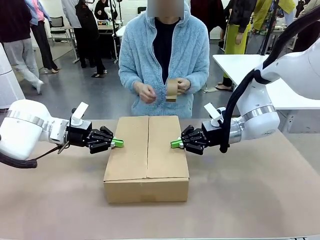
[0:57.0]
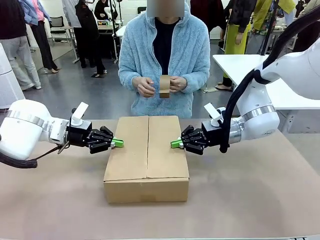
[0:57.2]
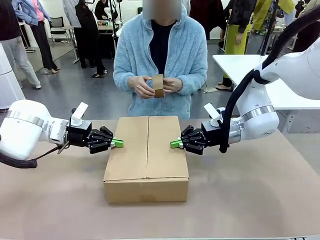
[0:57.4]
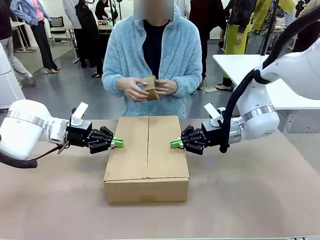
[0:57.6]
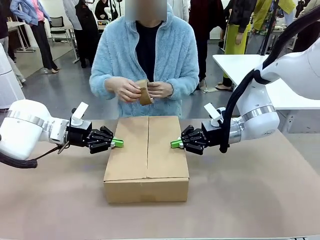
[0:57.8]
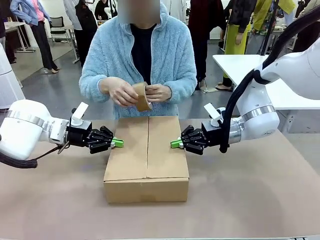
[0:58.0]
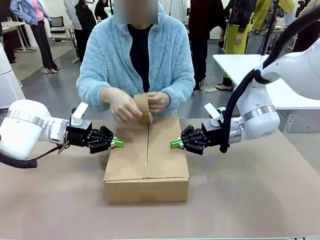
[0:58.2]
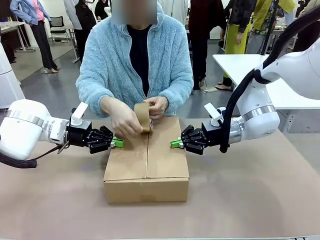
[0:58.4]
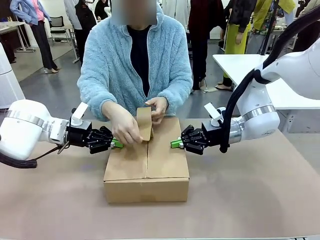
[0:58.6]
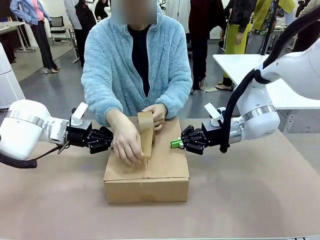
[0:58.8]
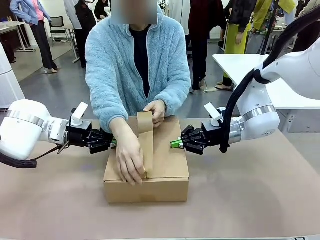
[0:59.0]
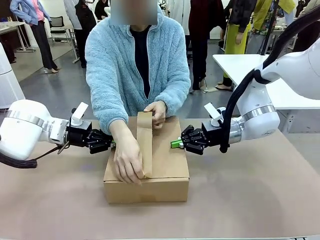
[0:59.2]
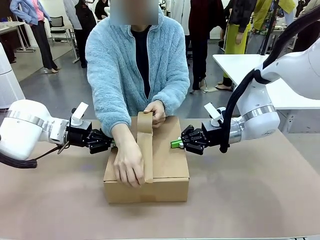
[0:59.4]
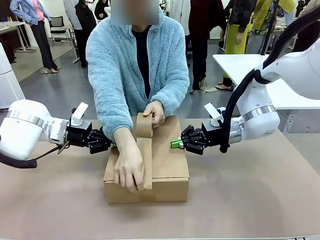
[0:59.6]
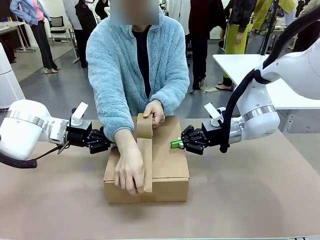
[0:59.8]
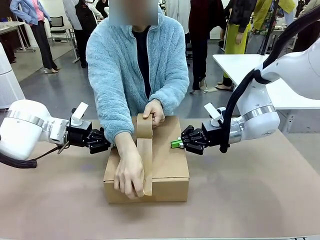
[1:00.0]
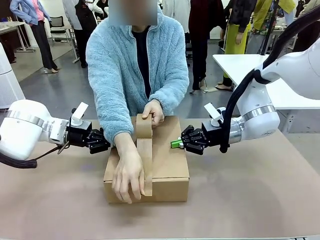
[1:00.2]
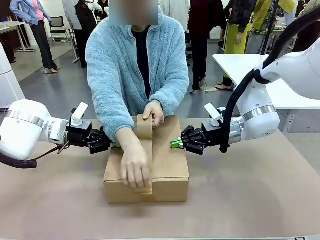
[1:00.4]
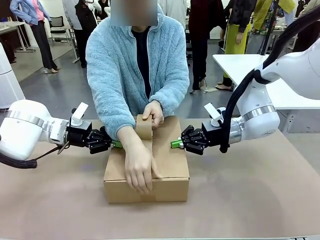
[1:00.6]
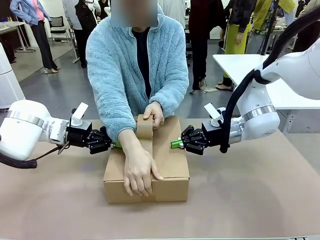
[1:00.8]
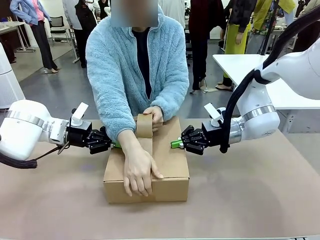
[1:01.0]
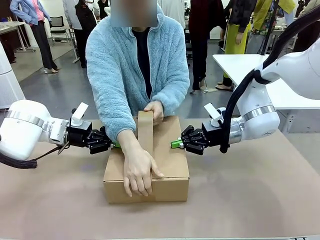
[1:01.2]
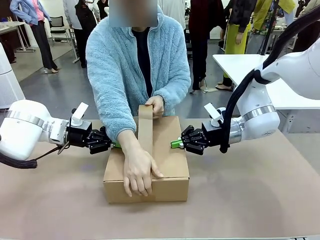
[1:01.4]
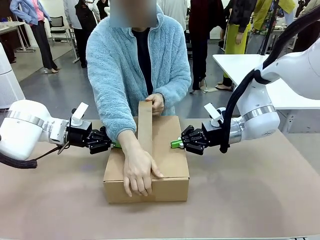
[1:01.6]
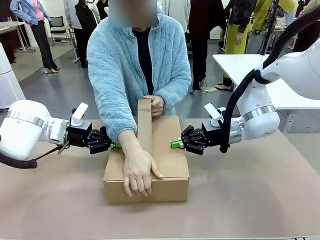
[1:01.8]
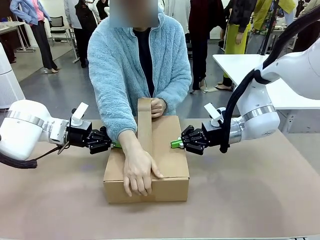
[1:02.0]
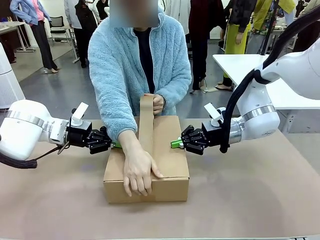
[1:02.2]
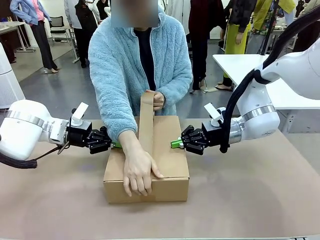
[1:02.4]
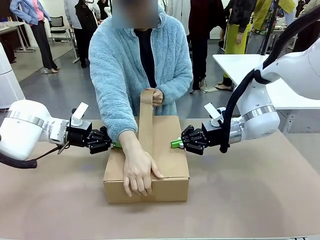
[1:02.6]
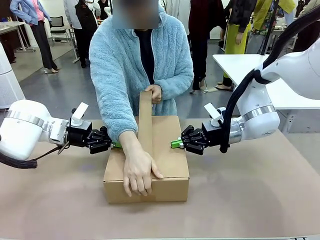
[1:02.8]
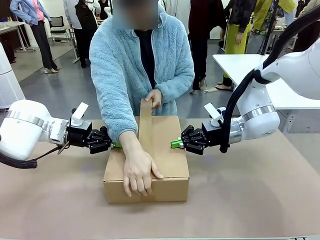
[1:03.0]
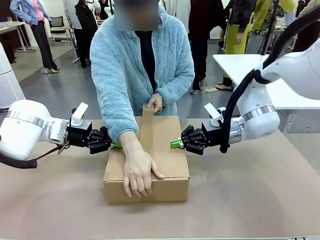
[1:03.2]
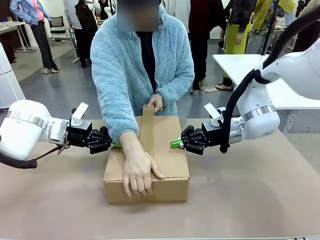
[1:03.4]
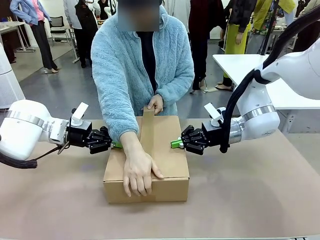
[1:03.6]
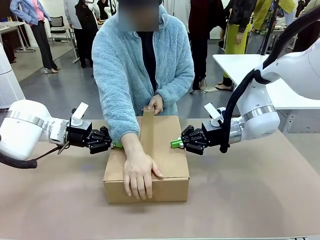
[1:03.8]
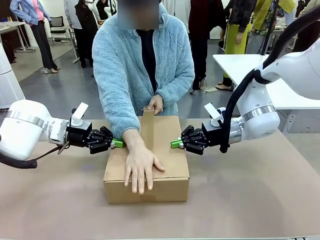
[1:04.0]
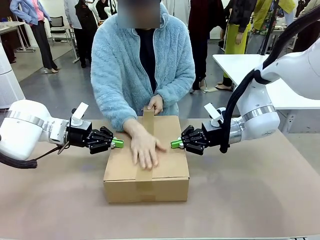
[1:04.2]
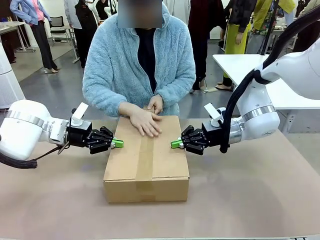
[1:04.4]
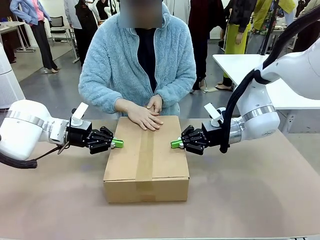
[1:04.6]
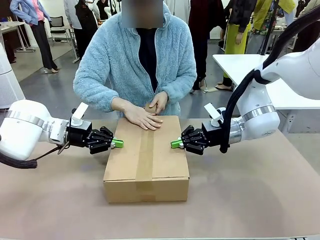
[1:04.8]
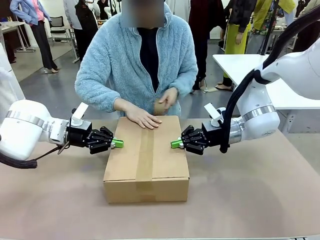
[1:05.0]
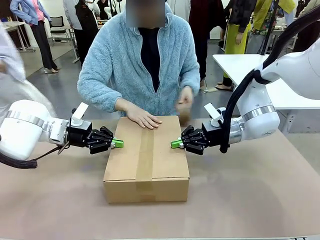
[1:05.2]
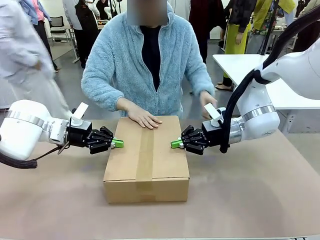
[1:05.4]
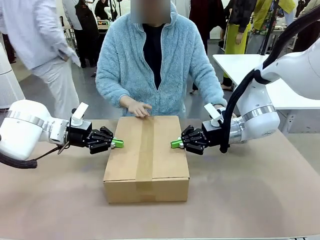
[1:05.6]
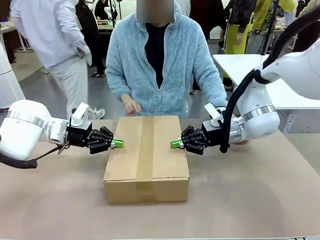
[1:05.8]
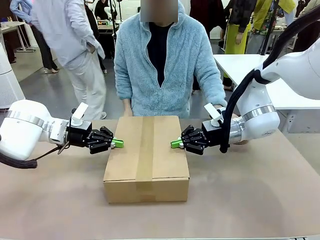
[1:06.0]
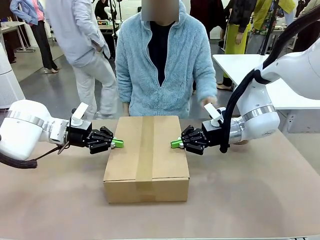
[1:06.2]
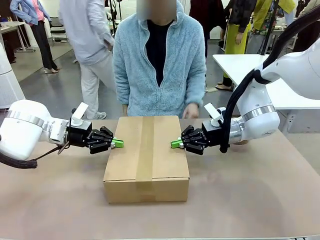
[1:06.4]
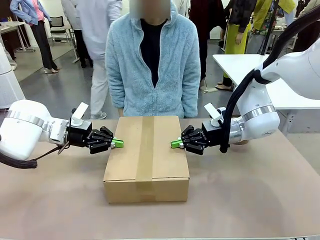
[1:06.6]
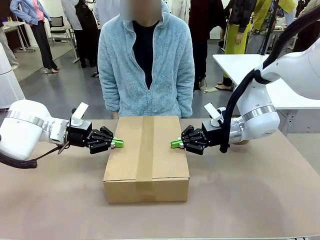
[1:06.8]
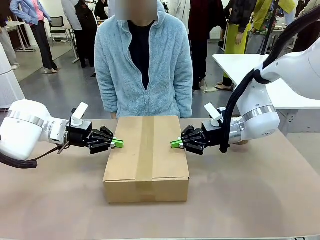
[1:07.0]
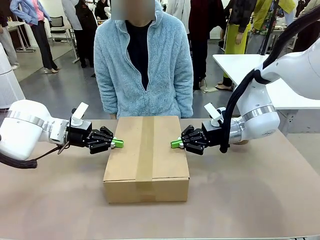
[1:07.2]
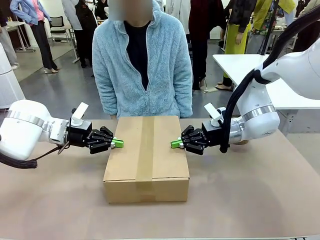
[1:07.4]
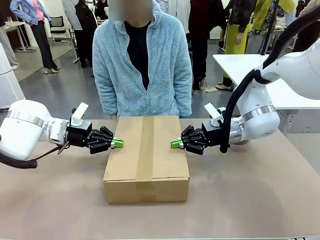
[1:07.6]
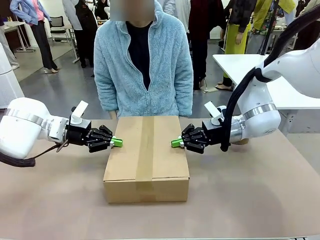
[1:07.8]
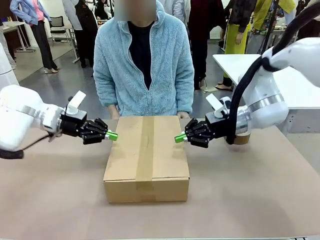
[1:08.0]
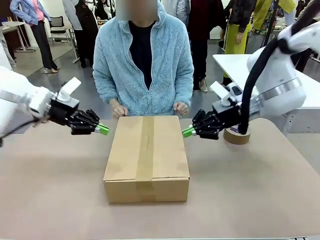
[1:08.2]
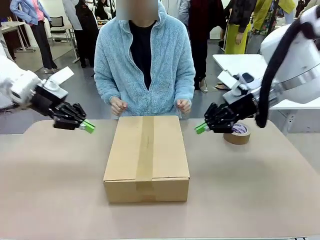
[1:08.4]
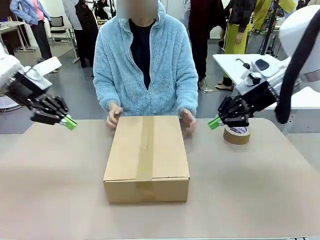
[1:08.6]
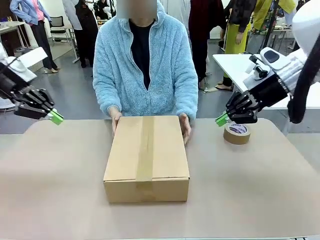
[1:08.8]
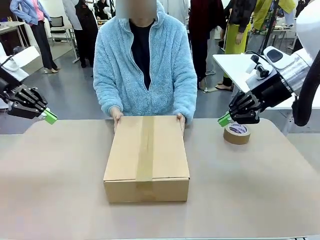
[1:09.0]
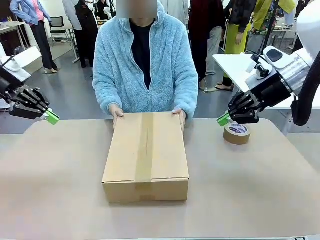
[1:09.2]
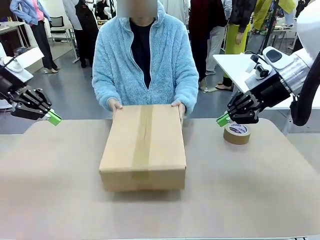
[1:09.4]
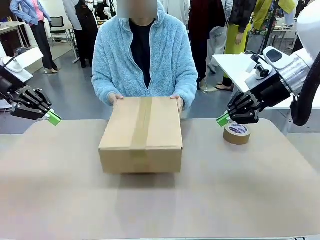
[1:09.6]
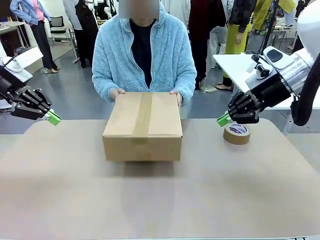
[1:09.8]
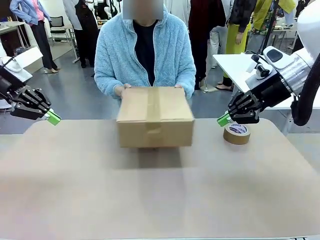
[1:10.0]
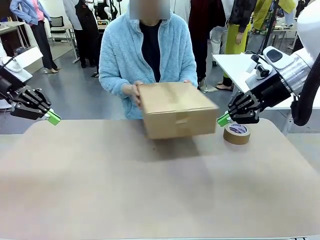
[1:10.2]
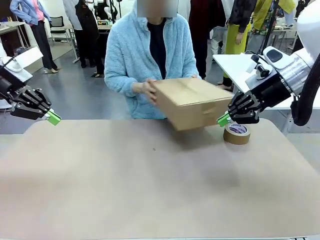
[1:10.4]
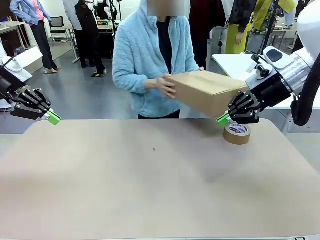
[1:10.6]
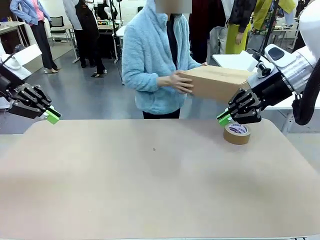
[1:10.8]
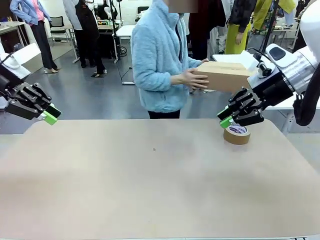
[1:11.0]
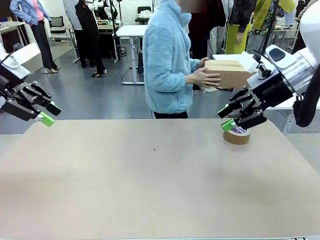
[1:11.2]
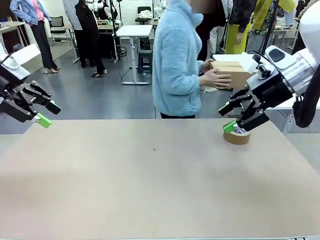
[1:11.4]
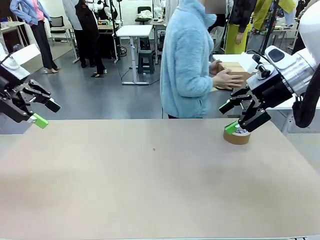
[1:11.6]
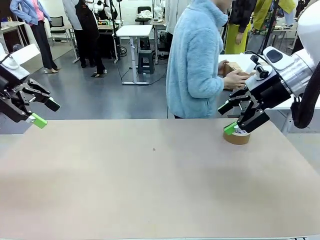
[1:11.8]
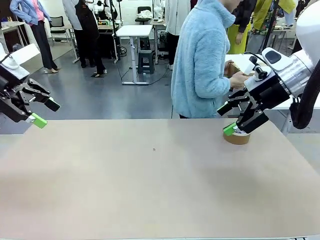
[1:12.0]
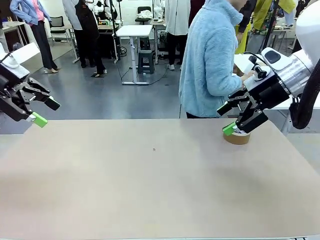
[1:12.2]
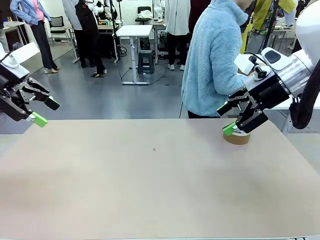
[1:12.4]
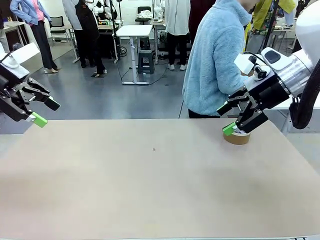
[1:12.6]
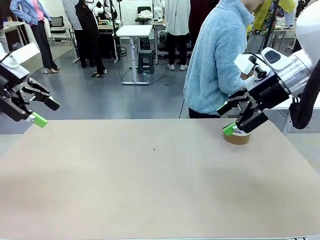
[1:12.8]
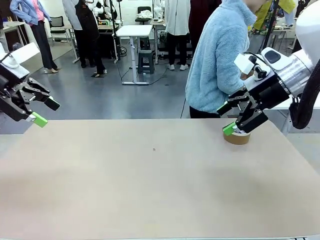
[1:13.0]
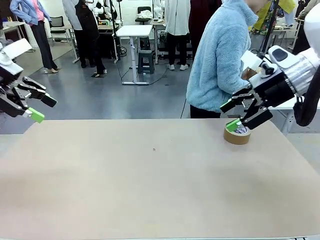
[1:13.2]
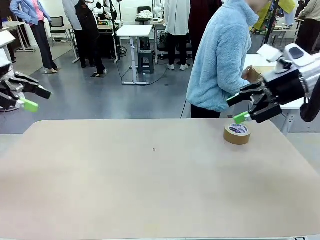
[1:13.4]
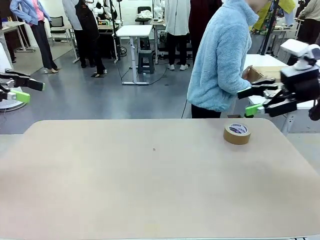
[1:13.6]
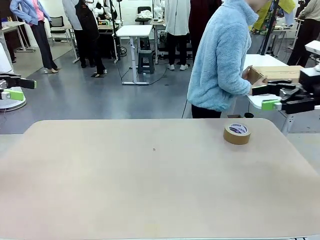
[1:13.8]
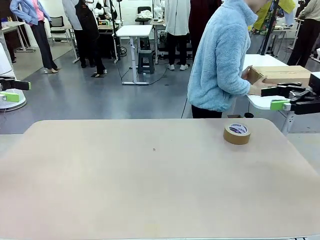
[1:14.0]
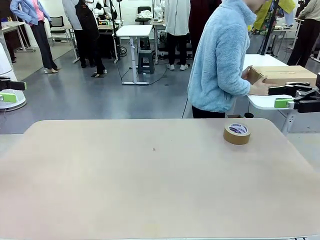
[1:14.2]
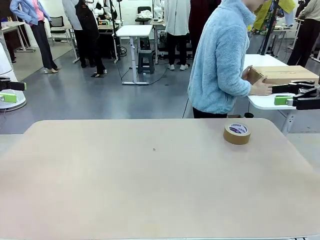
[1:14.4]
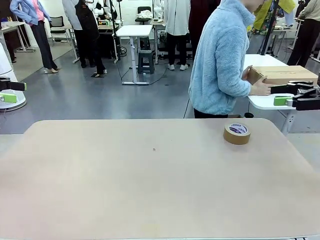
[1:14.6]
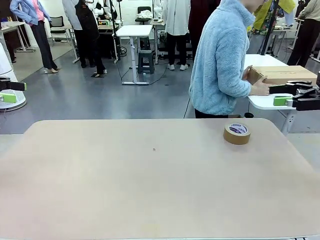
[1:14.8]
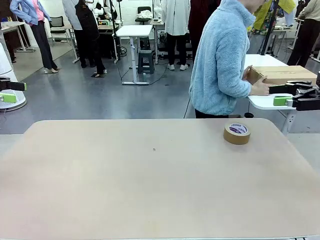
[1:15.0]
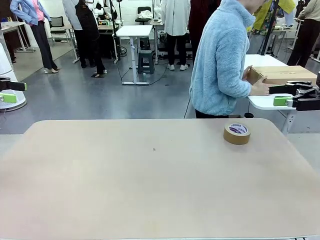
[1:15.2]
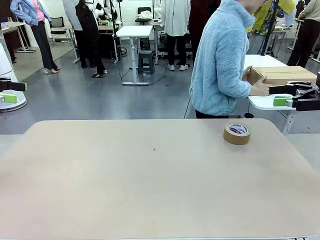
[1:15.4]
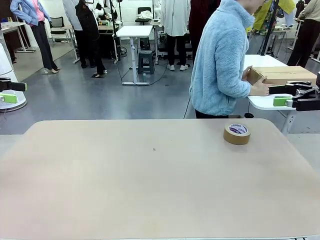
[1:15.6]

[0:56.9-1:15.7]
Task: Wrap the clocks to prevent damage.
Robot: After the human seals the box with tape, release both hands from the side flaps of the Package Box.
Person: Once the robot closes the left flap of the Package Box , seal the box with Paper Tape. Place sealed Package Box in the middle of the human's table.
